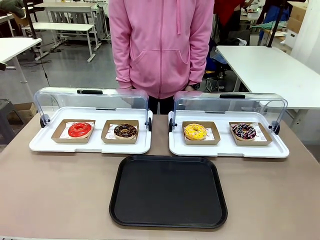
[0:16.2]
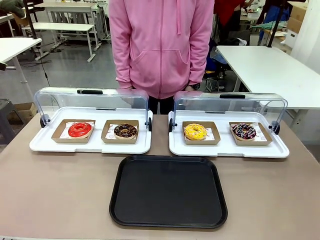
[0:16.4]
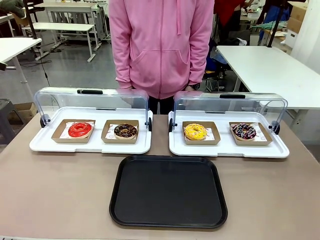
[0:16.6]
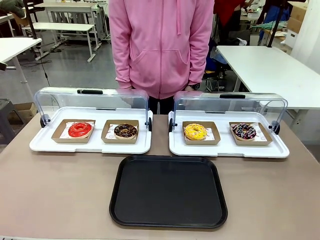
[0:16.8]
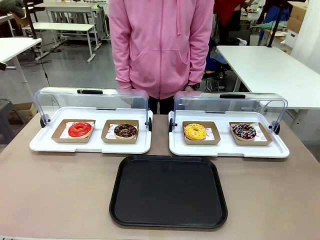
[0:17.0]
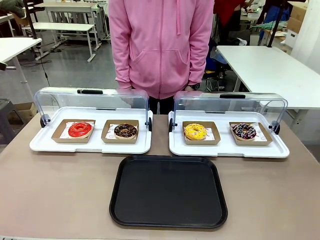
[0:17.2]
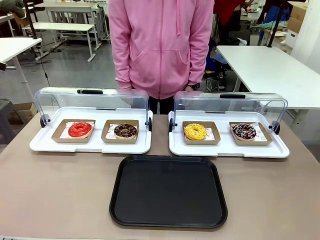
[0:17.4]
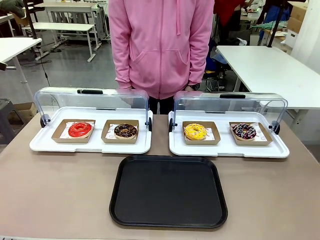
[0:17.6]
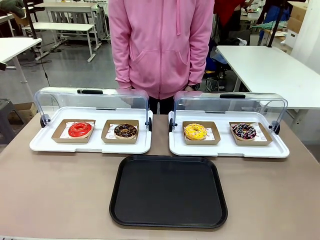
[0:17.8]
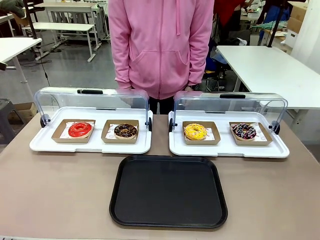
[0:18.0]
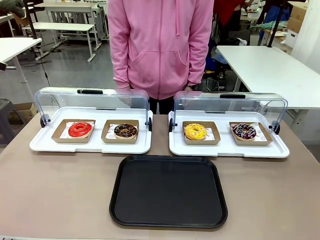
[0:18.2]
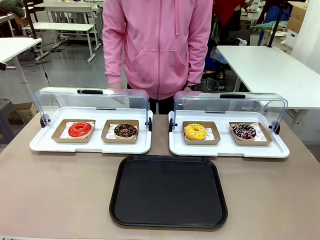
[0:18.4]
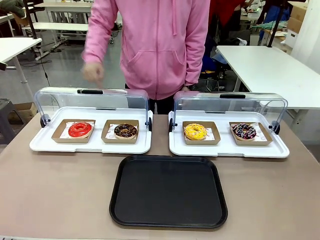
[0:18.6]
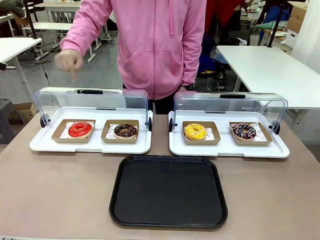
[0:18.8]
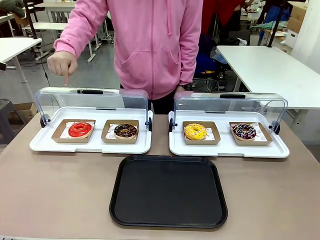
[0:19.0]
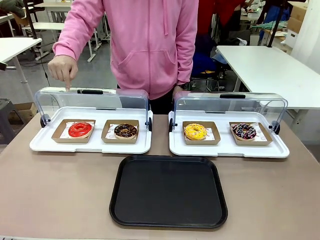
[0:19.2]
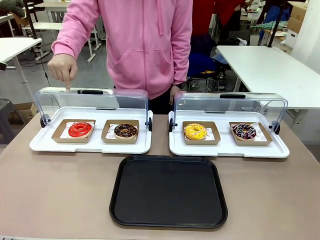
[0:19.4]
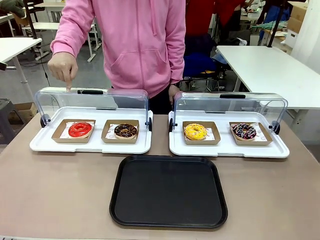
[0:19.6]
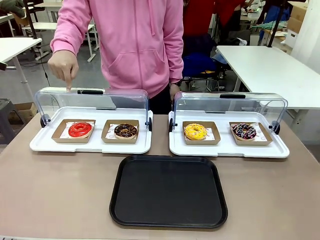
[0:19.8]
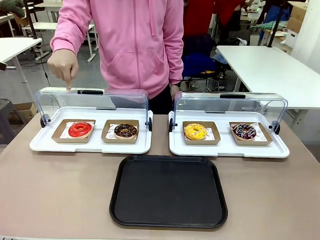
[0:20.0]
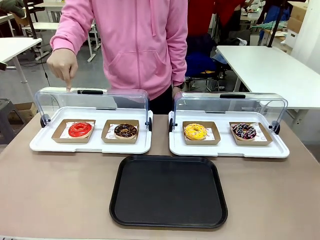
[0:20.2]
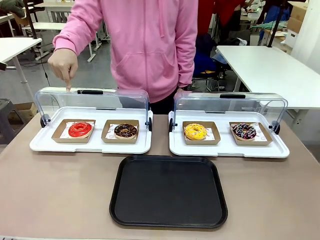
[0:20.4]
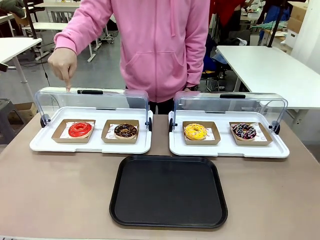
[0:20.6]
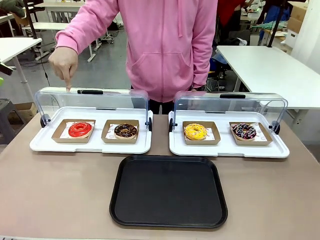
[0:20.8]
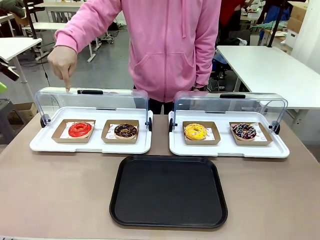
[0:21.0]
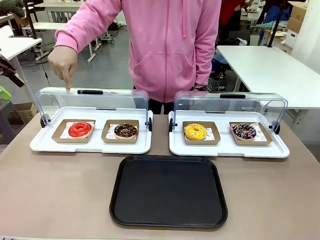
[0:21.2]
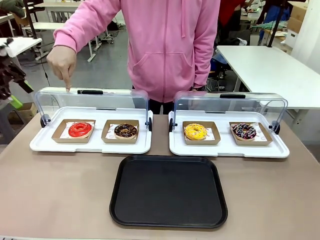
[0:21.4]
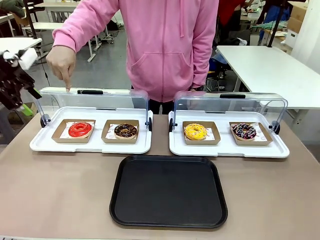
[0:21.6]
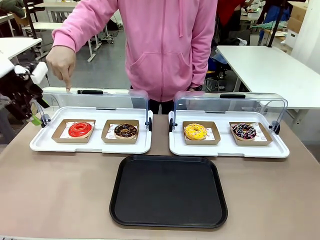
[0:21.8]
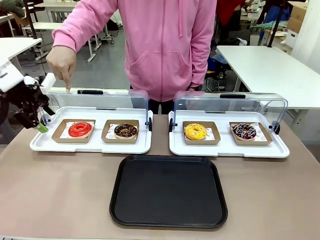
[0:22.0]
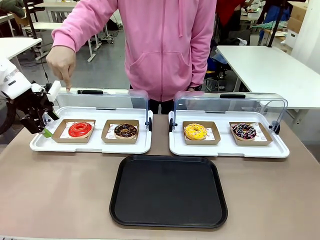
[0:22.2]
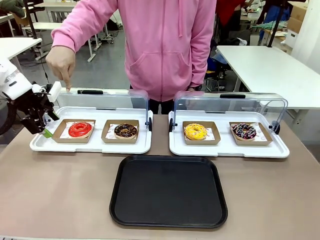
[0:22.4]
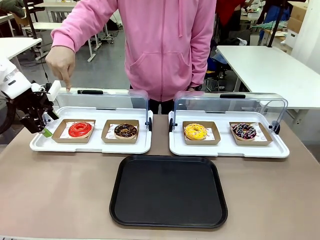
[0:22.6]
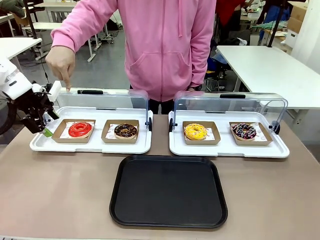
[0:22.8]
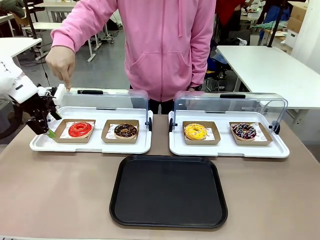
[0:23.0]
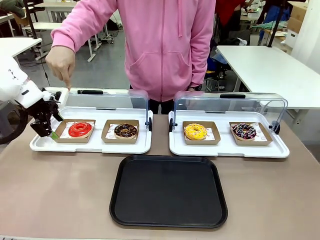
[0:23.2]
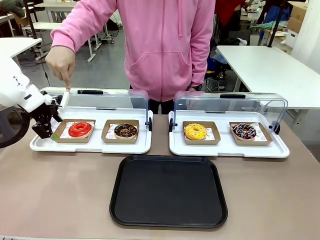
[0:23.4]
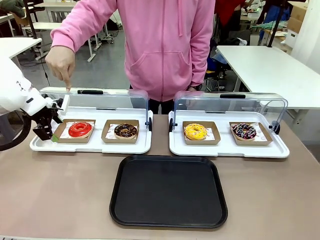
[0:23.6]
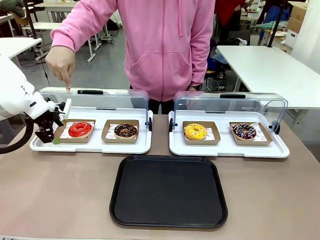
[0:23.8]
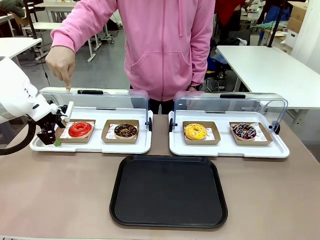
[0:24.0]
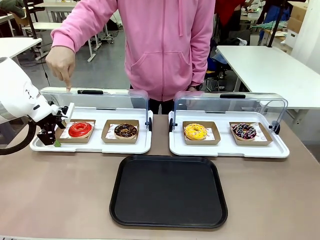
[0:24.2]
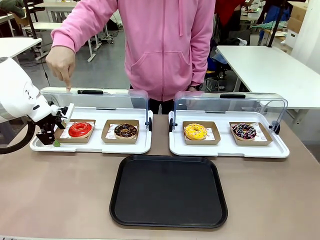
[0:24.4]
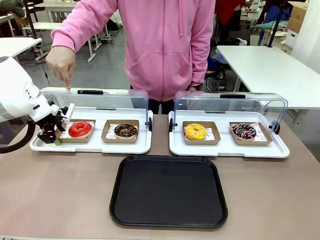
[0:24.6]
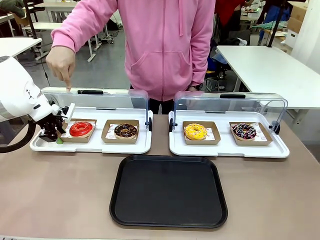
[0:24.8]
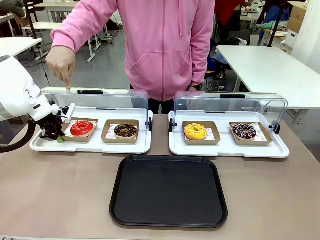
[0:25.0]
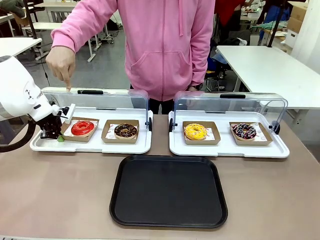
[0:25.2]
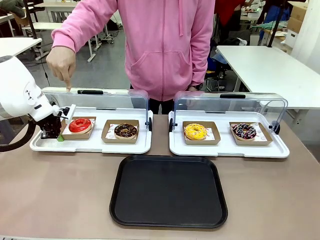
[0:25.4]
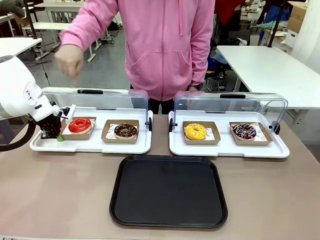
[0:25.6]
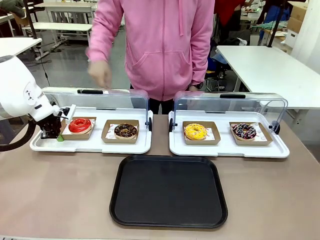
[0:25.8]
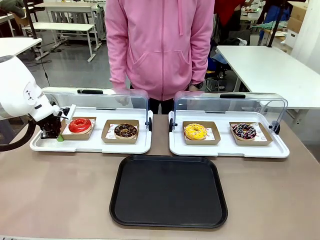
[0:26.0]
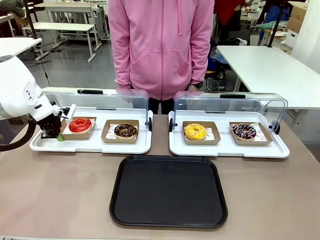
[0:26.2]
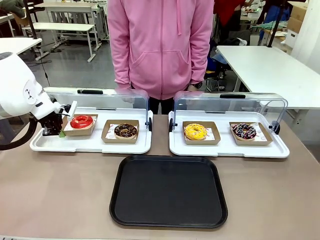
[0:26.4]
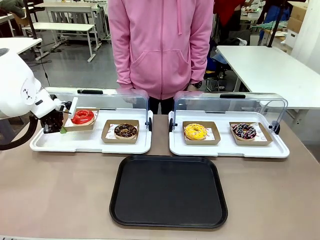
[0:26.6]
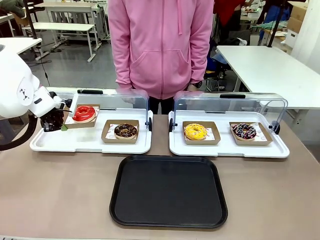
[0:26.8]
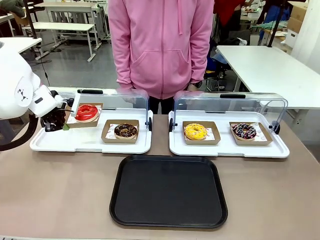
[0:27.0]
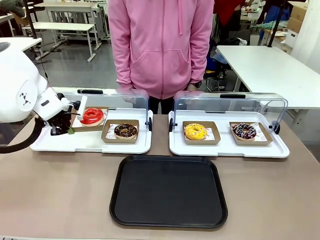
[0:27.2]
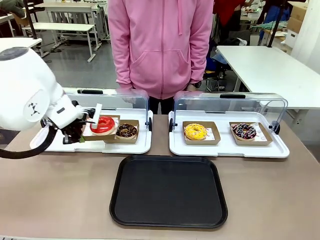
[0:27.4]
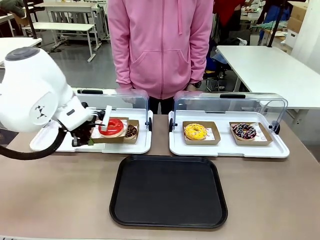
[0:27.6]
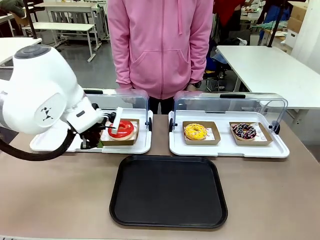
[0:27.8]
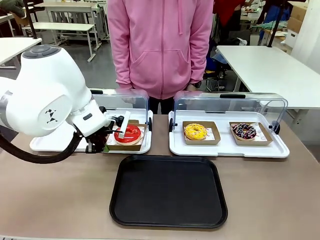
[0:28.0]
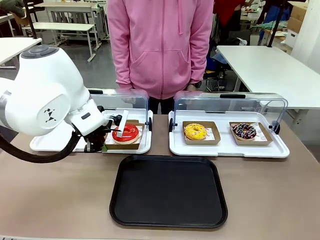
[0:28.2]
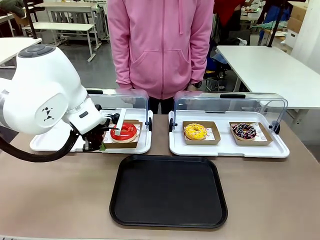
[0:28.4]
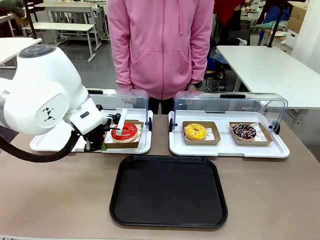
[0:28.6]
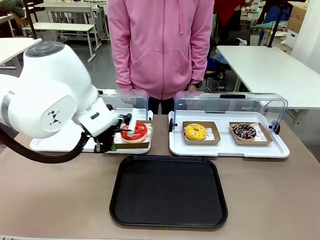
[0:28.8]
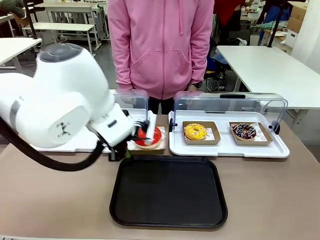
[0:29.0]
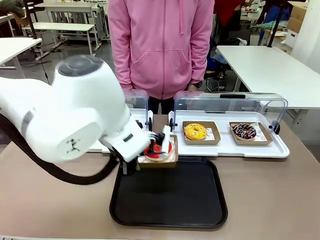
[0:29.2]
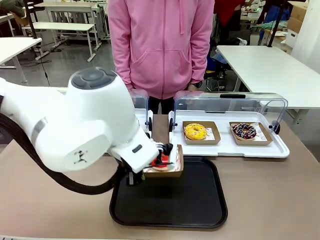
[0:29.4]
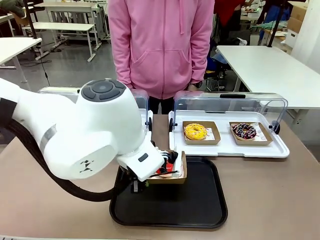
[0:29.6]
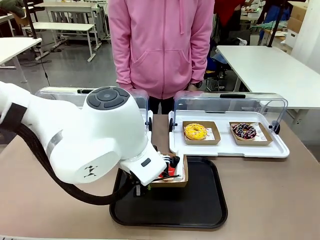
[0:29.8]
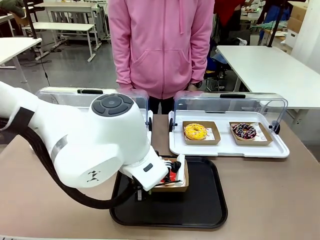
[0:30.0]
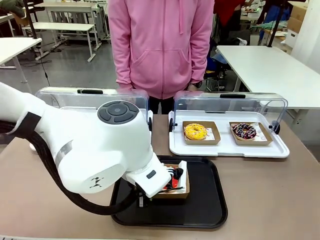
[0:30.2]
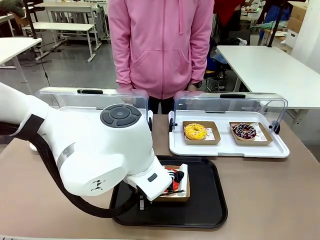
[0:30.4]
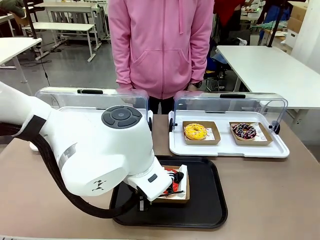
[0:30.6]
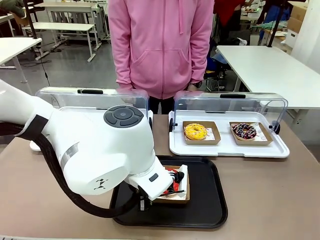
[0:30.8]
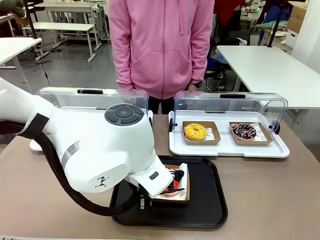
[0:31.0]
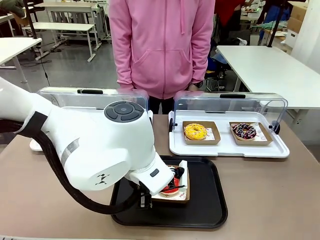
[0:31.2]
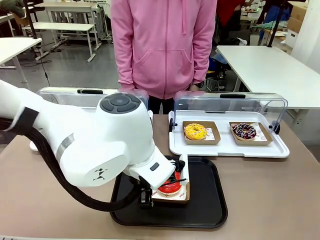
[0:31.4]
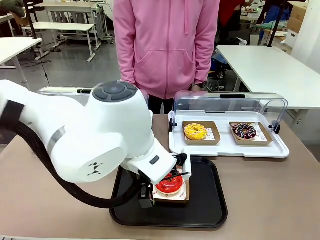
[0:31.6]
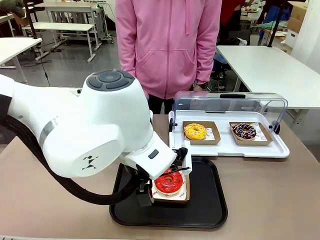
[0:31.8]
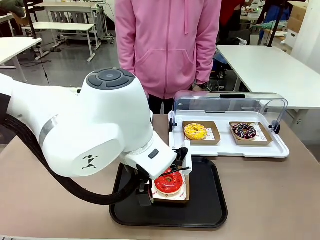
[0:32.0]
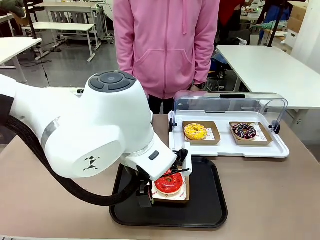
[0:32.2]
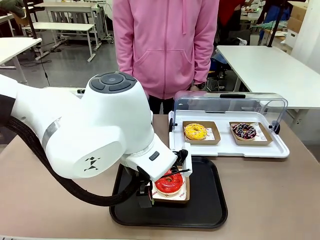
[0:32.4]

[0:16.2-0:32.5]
Task: Move the first donut from the left to the tray.
Robot: Pick up the Paper togo box containing the Donut indicated by the person and place it on the Handle tray.
Person: Points to the first donut from the left from the robot’s perspective.

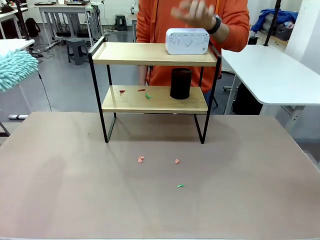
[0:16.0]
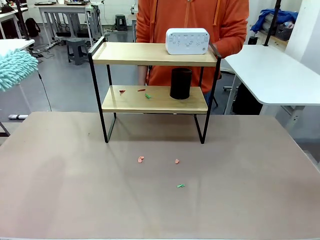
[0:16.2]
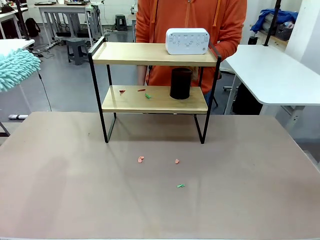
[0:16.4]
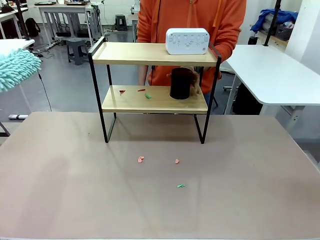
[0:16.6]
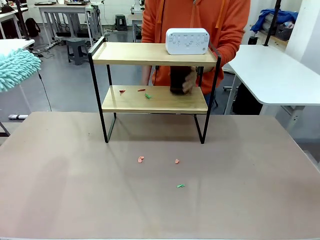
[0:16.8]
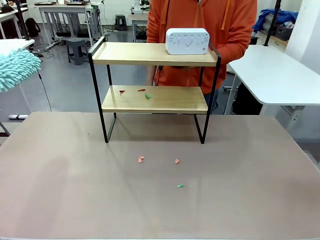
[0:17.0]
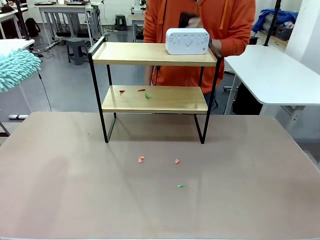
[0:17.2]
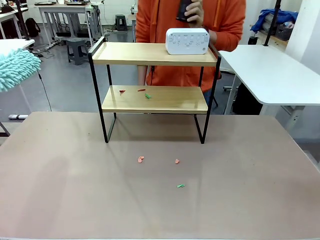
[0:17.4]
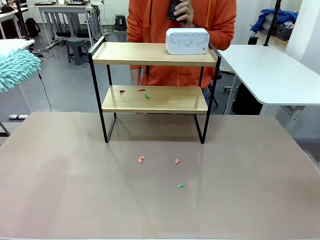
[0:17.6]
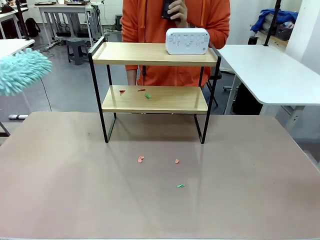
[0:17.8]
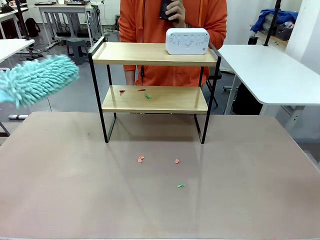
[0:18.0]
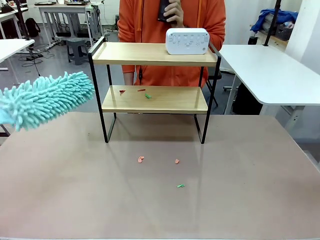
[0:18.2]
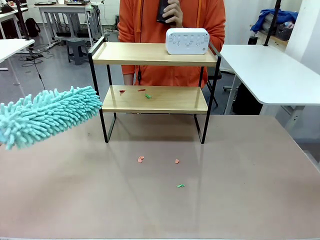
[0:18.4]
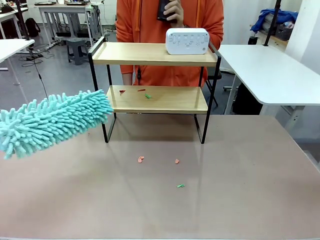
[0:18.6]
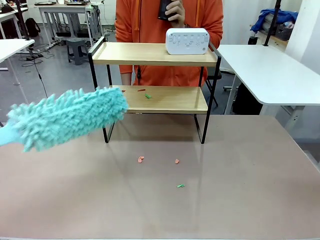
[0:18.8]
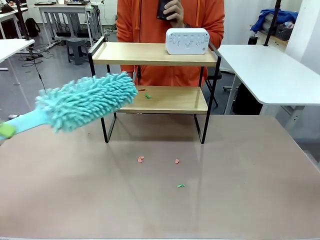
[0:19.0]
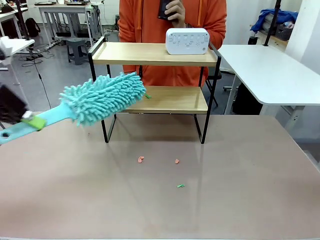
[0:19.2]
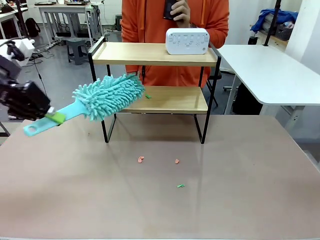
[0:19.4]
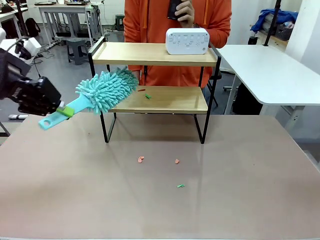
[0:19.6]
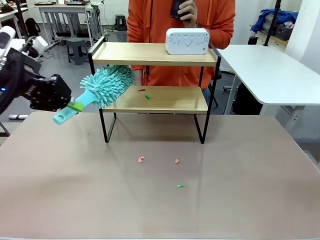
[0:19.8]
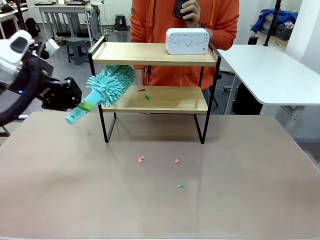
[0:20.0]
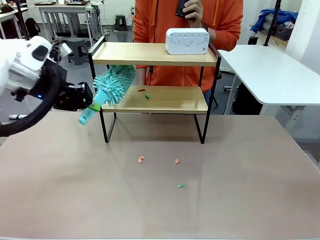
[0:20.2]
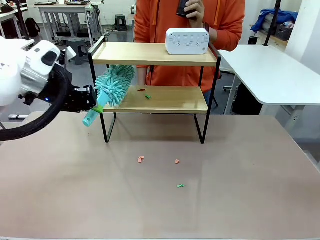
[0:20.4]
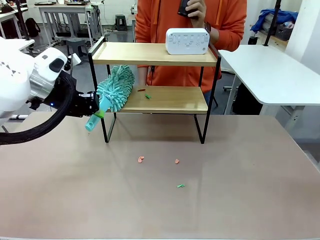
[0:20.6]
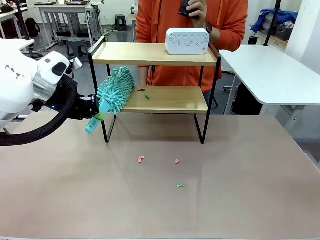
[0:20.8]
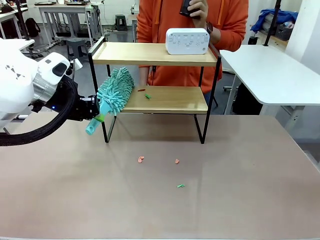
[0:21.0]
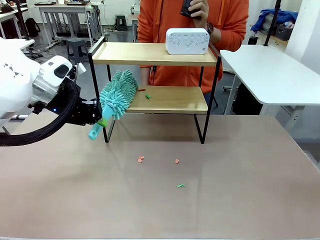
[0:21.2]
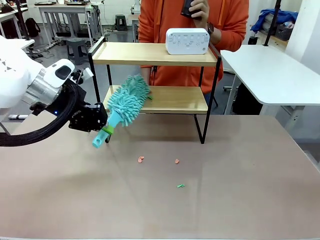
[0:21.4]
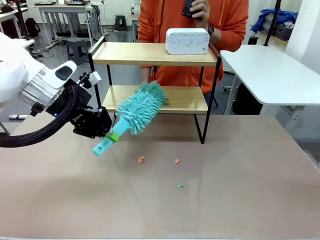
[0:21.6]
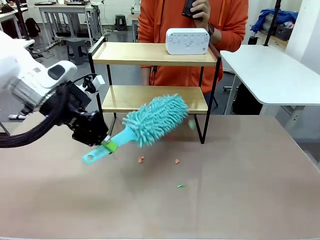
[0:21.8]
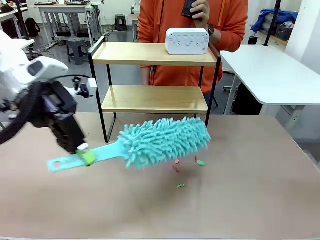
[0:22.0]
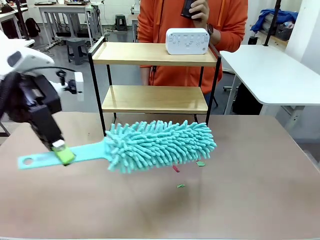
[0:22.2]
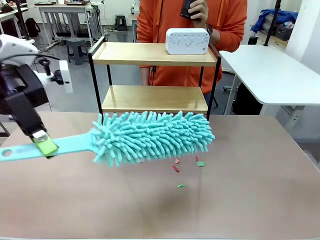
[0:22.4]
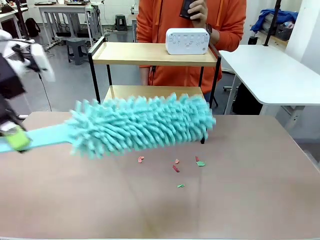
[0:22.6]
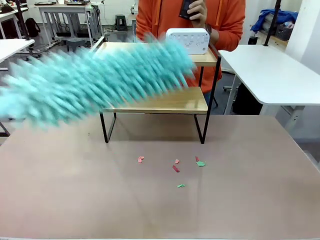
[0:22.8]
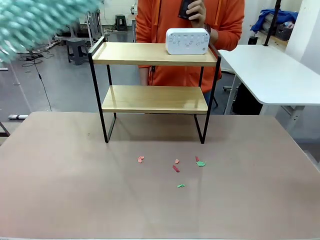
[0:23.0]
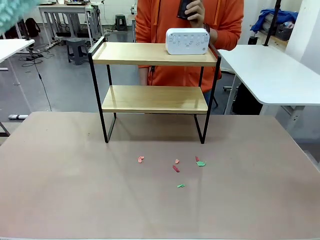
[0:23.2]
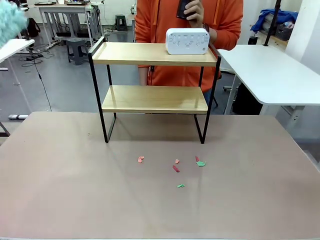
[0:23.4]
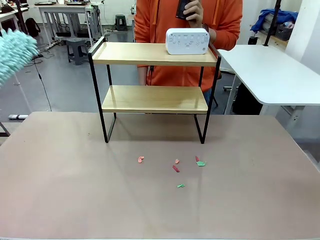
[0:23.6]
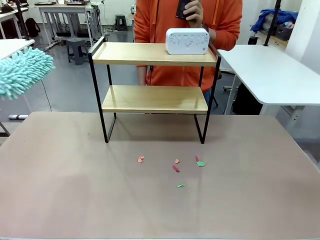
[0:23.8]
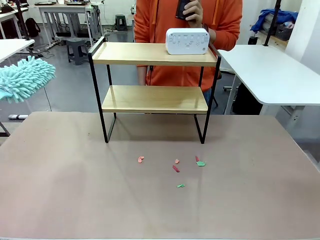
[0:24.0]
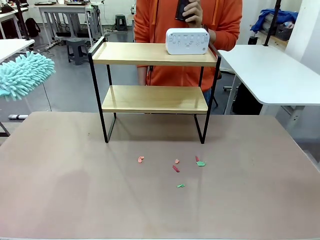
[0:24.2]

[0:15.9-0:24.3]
Task: Clean the shelf.
Robot: Clean the remaining tier of the Shelf with the Duster once objects are removed.
